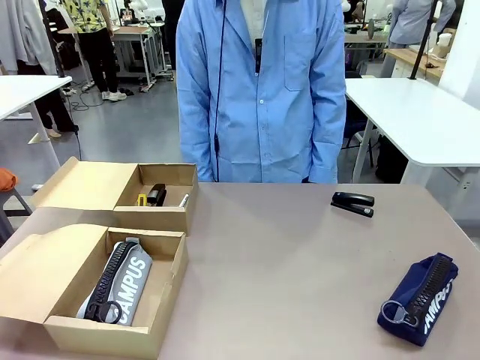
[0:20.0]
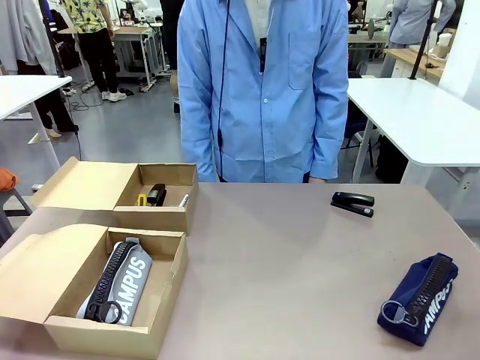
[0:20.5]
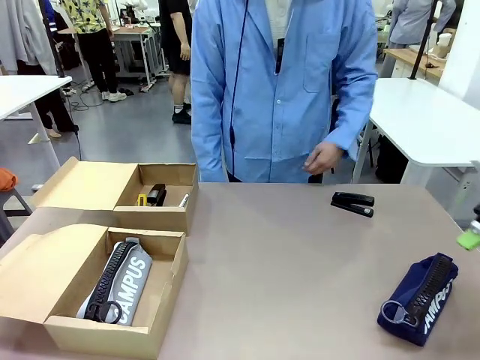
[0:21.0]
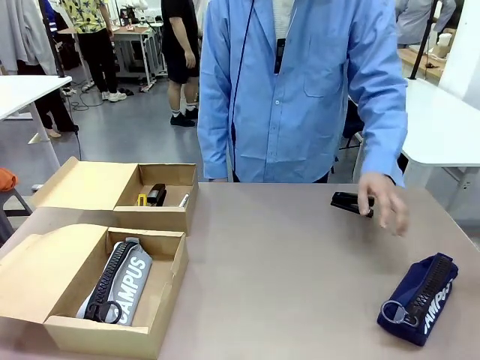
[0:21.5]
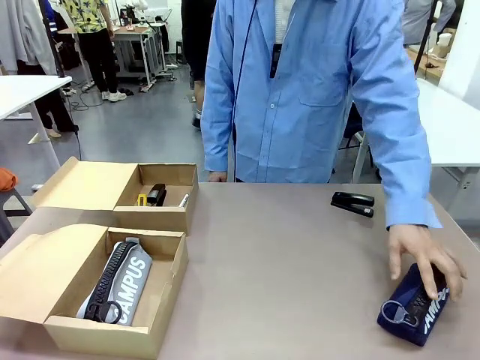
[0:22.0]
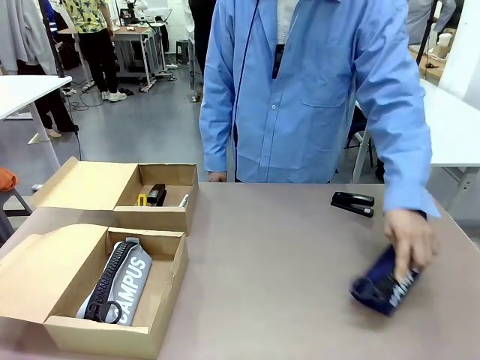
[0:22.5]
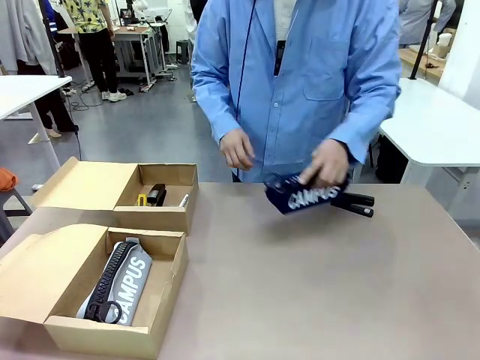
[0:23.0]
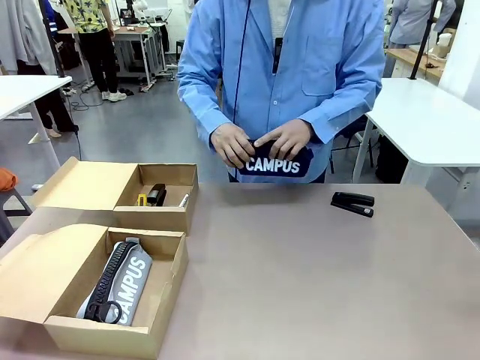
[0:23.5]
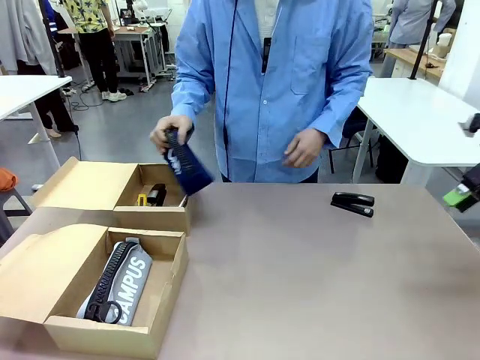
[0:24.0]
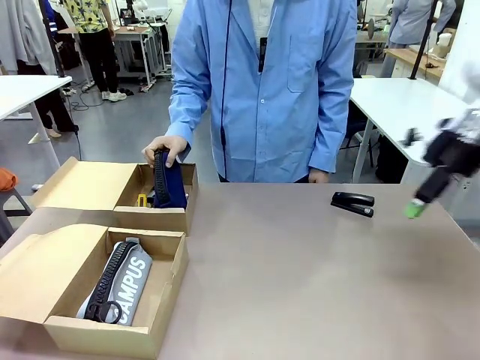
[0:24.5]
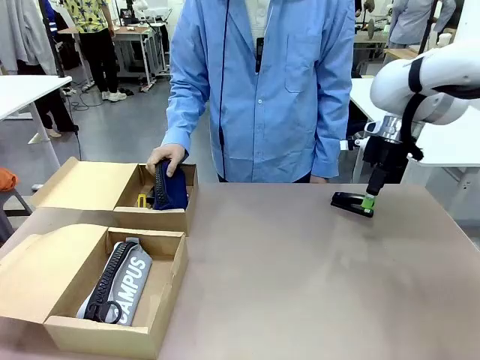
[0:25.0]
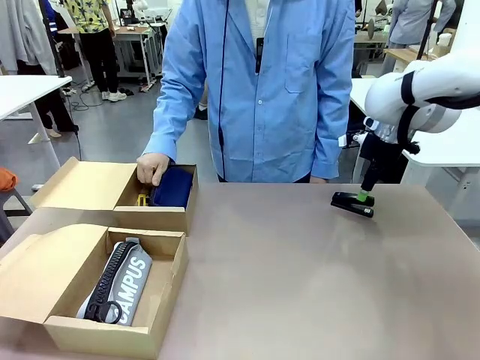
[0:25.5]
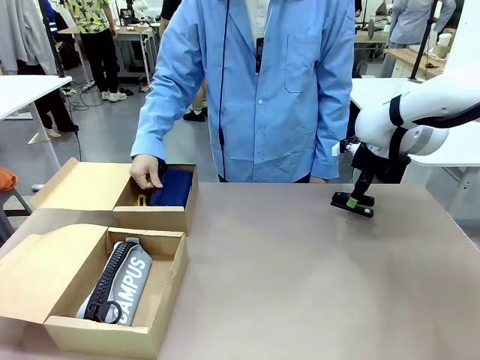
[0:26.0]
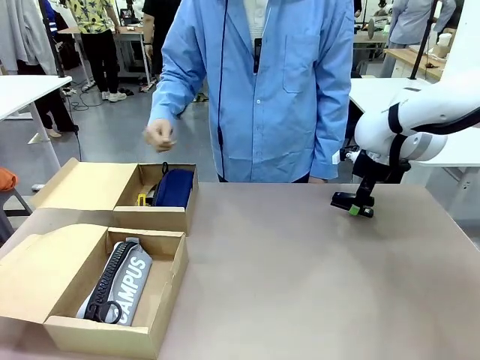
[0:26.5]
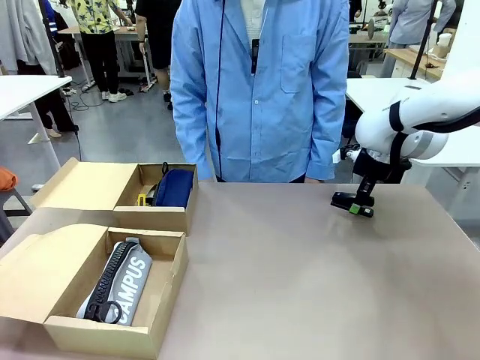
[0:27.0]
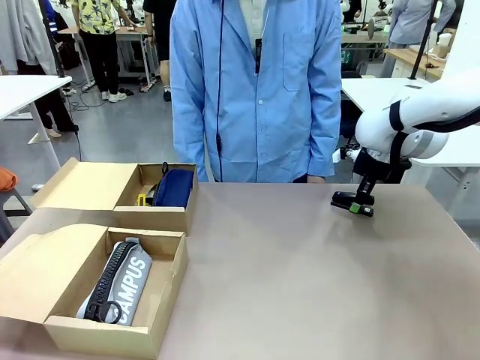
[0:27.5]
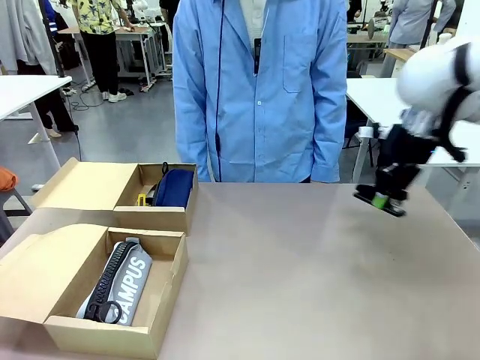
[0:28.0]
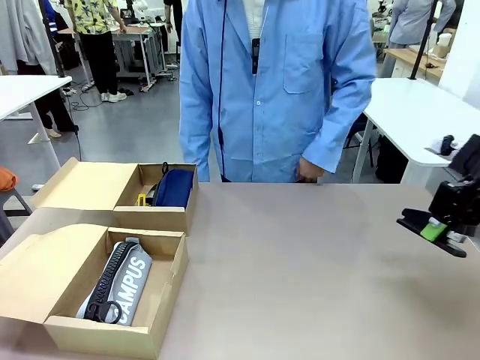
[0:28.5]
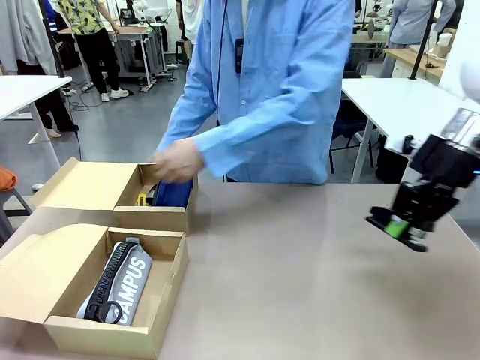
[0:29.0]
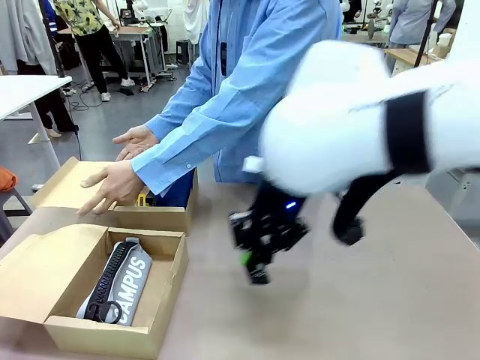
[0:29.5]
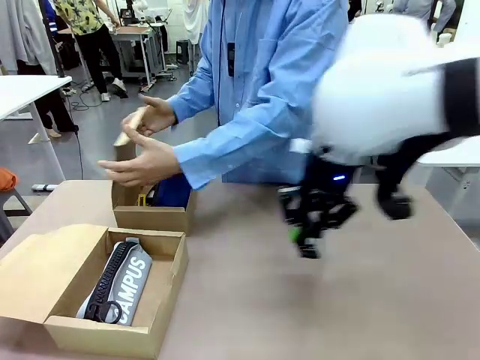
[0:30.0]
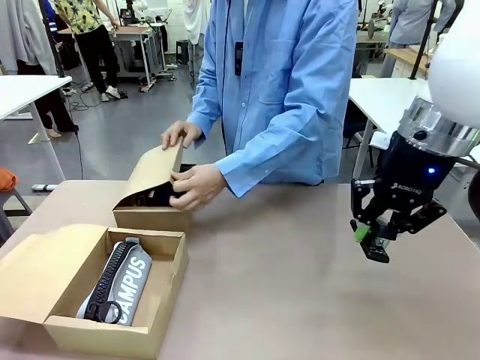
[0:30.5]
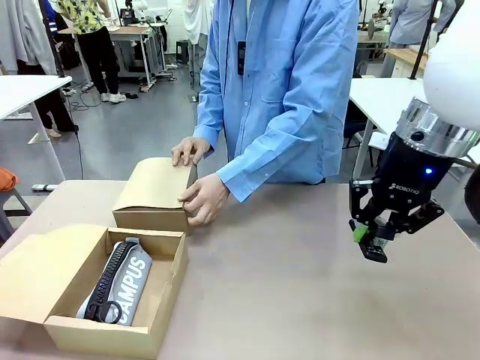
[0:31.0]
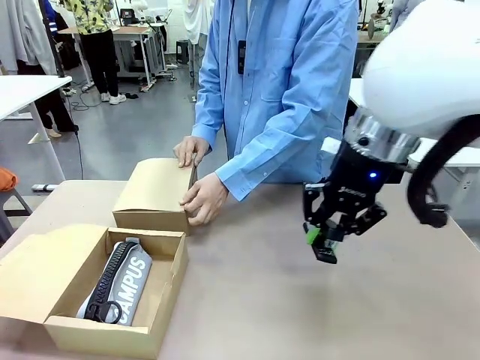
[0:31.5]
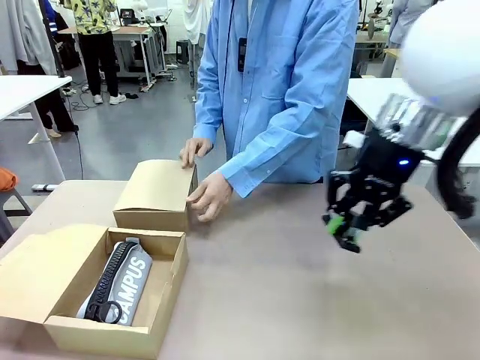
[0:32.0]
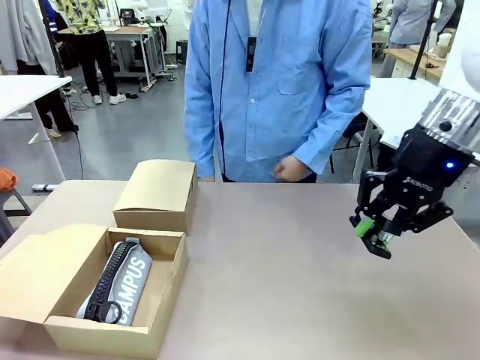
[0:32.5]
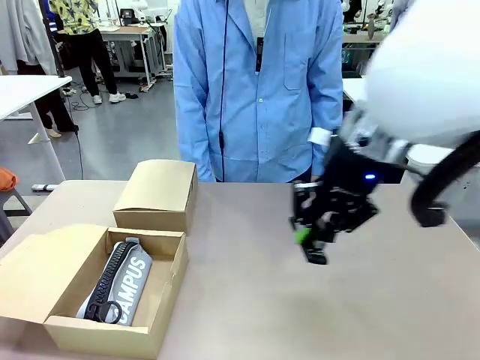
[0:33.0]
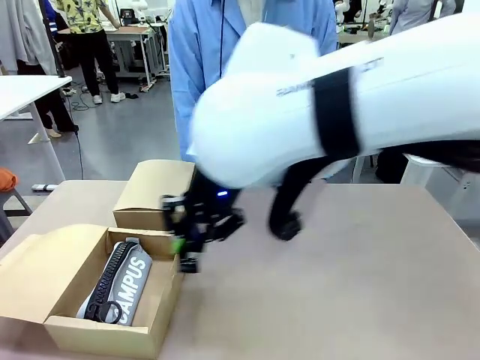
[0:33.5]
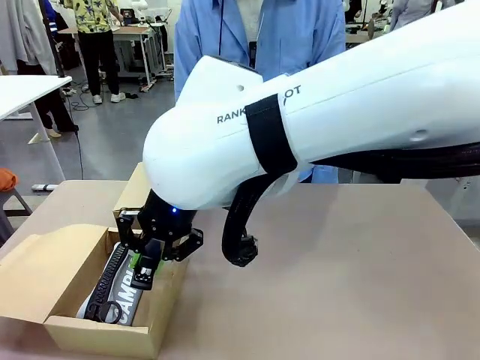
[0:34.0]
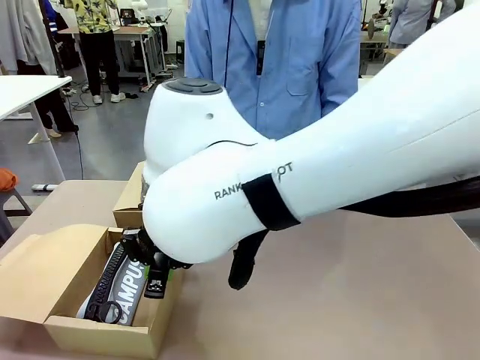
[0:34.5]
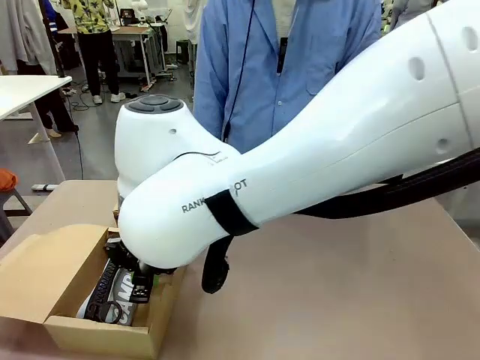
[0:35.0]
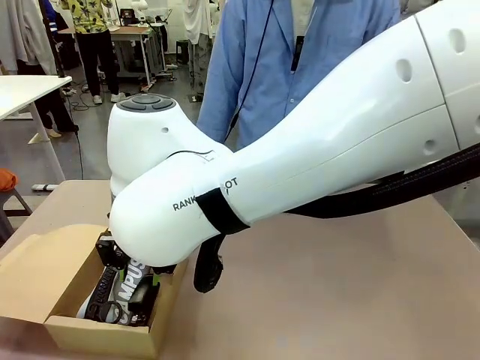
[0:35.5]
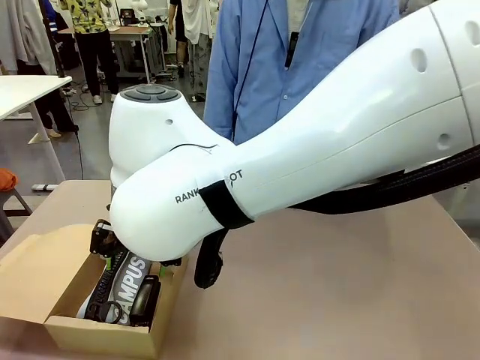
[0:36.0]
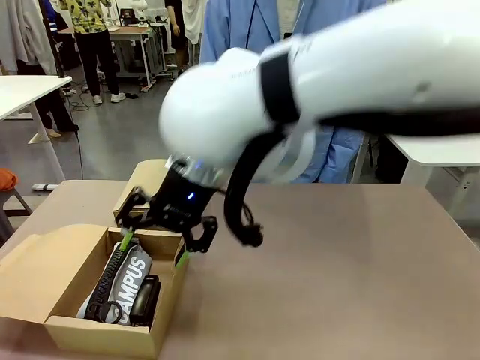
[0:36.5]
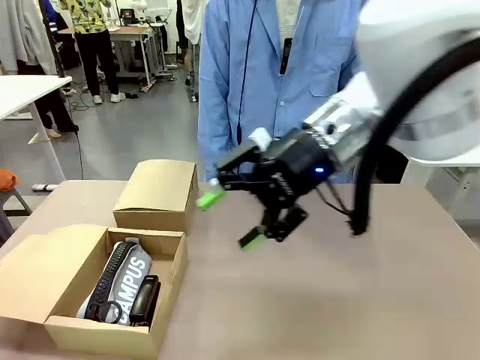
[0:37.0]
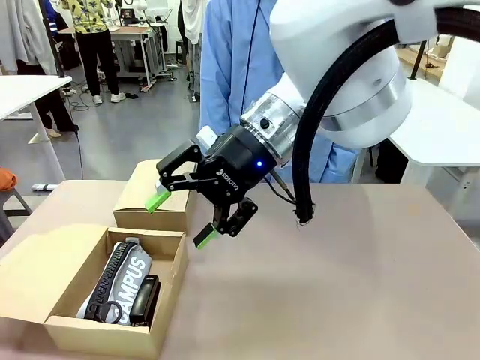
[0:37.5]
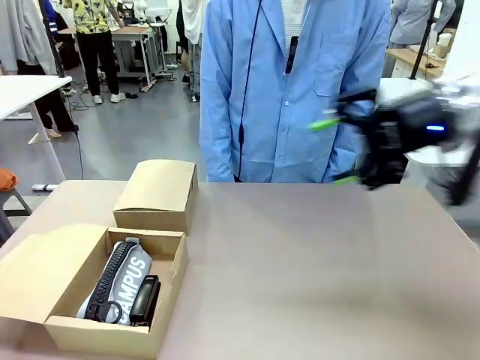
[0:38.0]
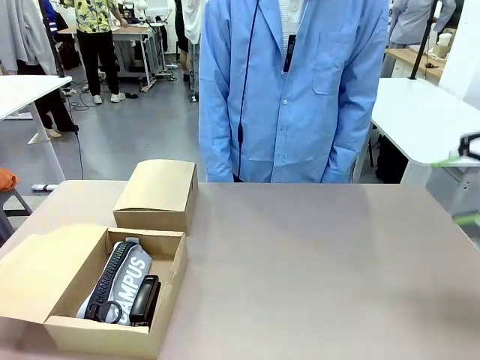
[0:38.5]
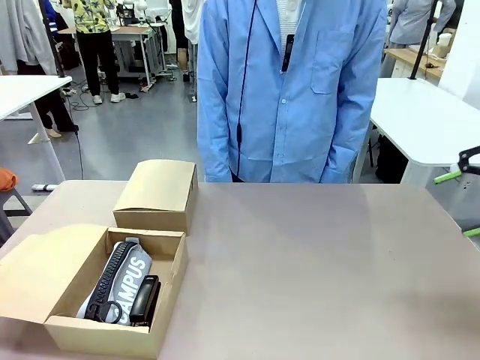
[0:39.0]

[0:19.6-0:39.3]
Task: Place items inside the box.
Robot: Pick up a Pencil pouch or Stapler and place it inside the Mailer Box closest to the robot.
Person: Close the lid of the box facing the person.

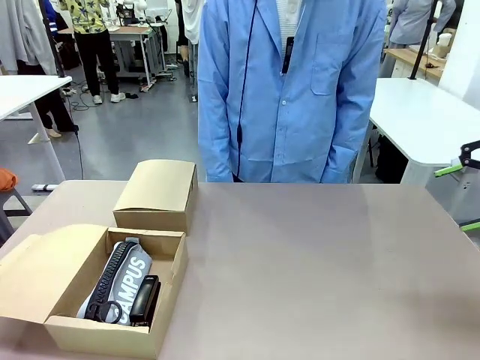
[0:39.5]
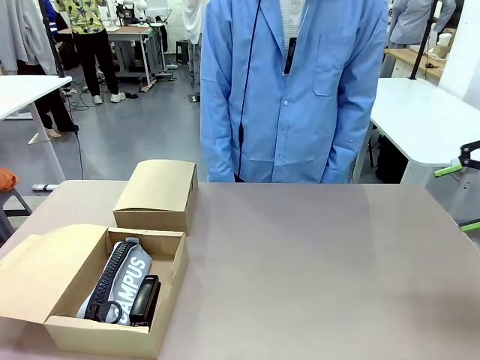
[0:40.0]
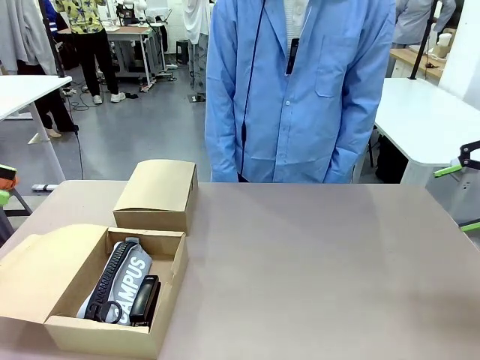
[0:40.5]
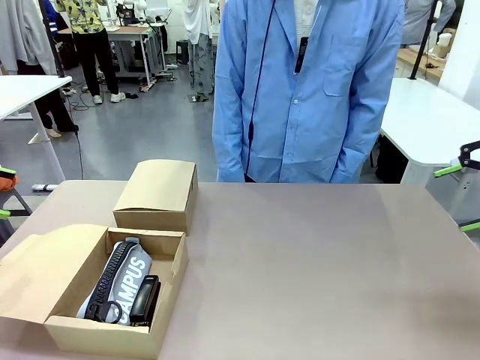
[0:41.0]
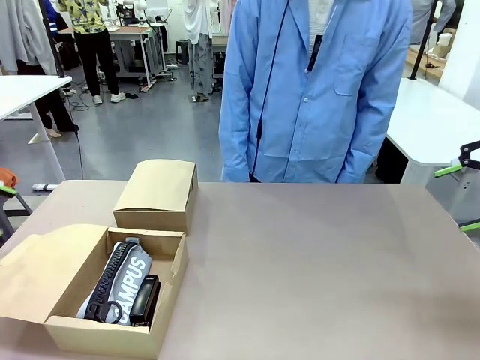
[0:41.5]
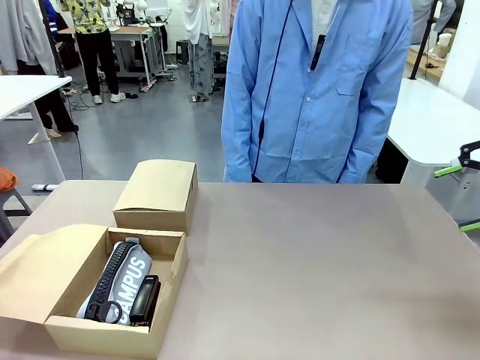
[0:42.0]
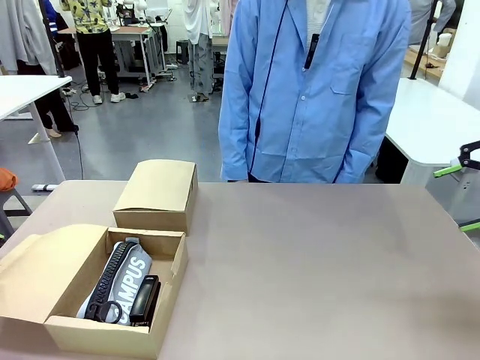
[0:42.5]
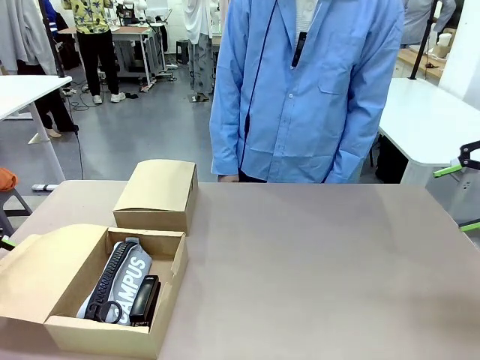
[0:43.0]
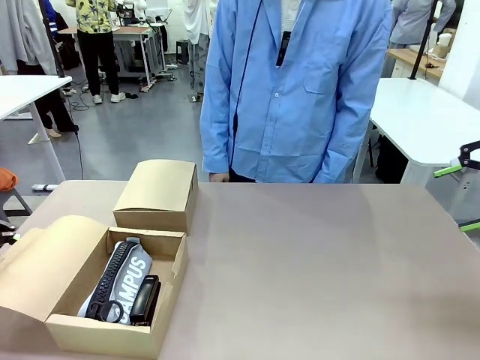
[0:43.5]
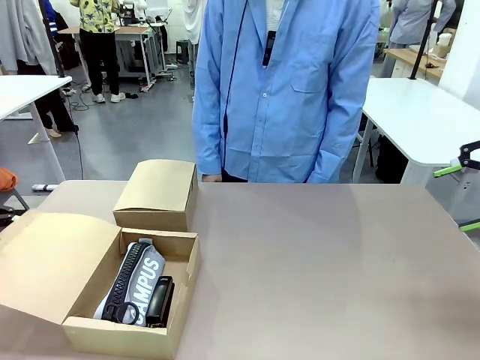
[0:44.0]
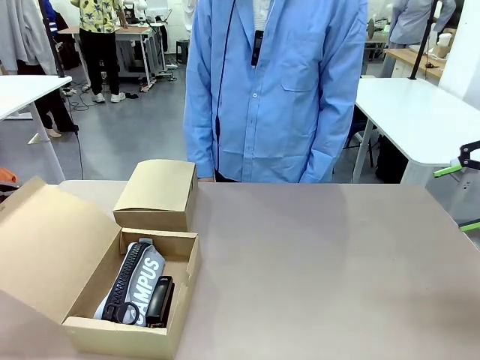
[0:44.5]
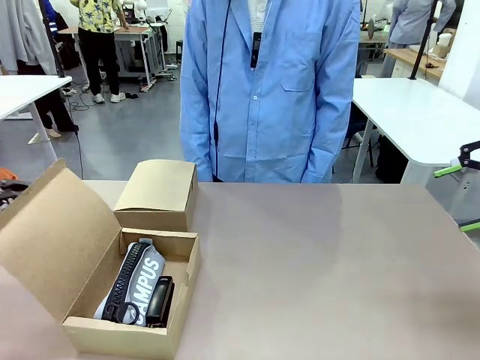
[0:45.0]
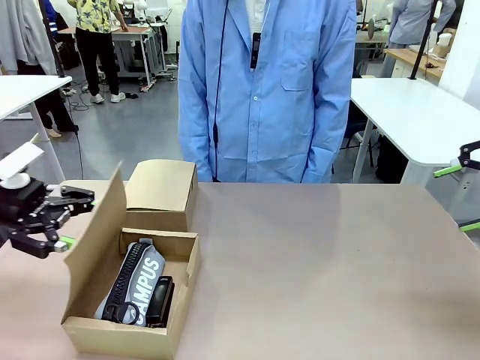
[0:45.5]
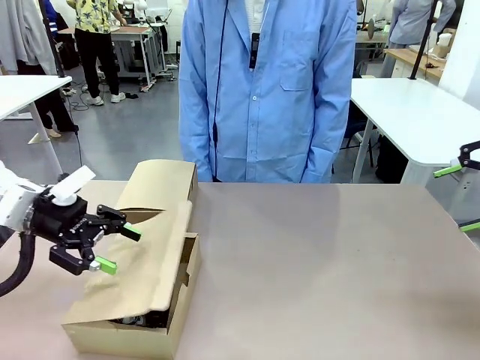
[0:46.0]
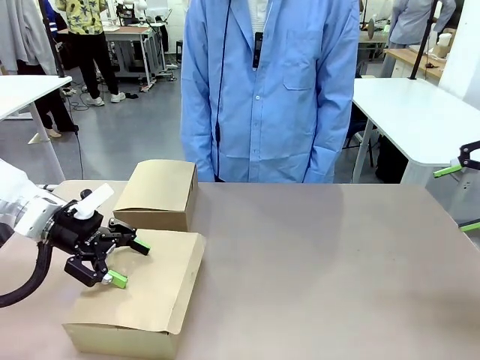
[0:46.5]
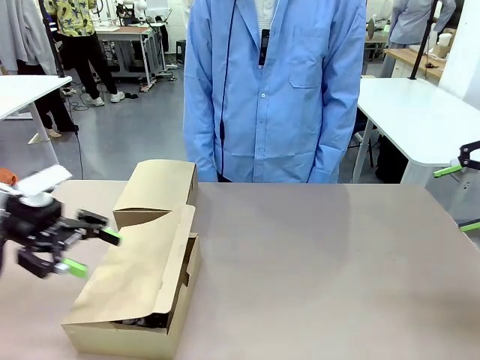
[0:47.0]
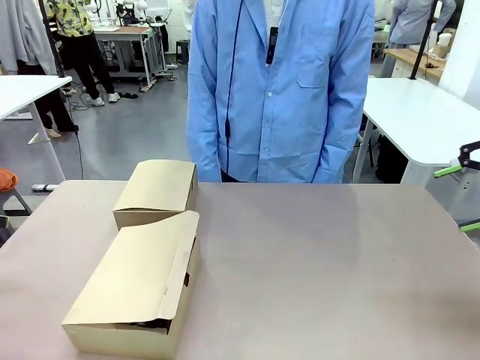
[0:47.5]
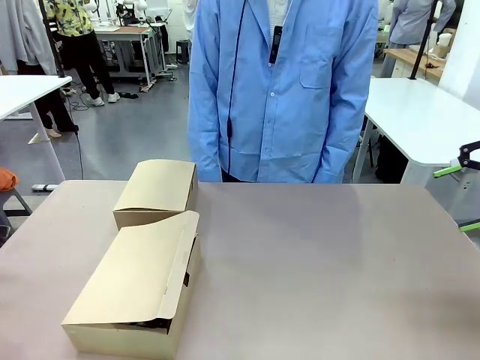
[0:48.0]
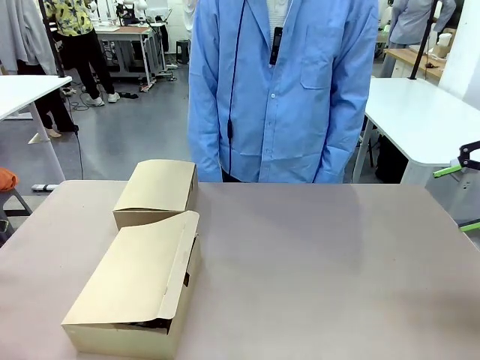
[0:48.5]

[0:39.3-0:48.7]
Robot: Close the lid of the Mailer Box closest to the robot.
